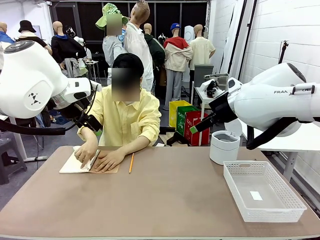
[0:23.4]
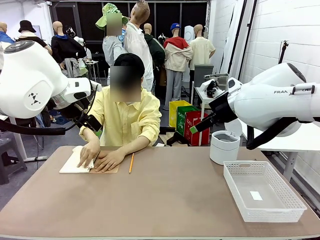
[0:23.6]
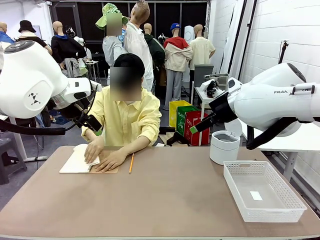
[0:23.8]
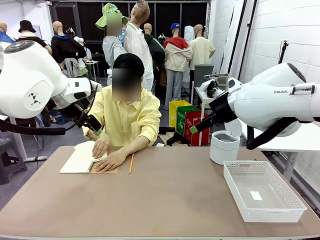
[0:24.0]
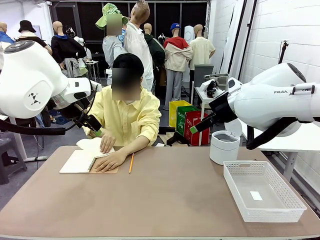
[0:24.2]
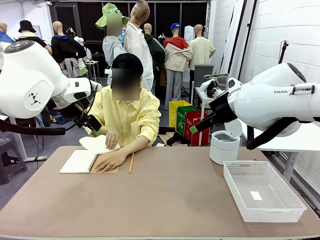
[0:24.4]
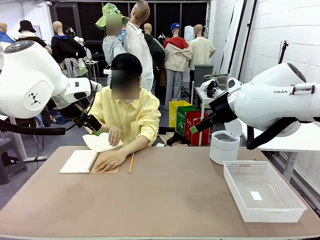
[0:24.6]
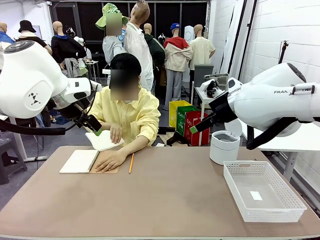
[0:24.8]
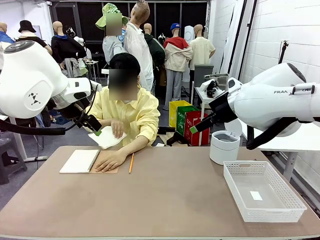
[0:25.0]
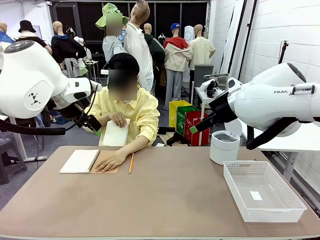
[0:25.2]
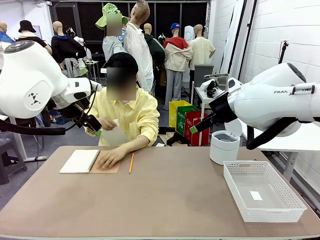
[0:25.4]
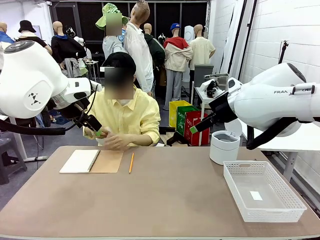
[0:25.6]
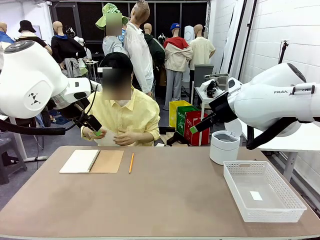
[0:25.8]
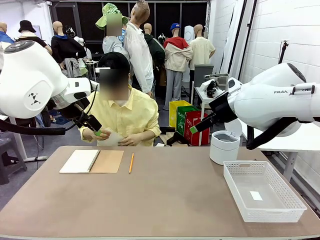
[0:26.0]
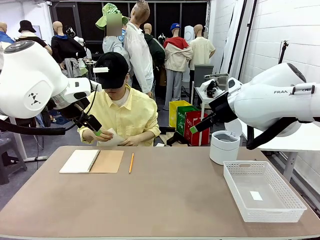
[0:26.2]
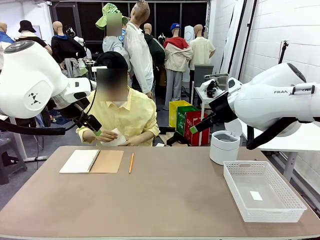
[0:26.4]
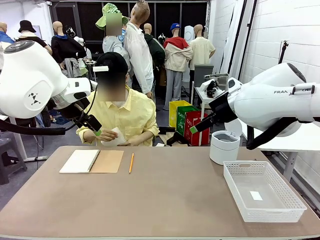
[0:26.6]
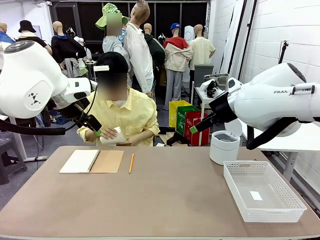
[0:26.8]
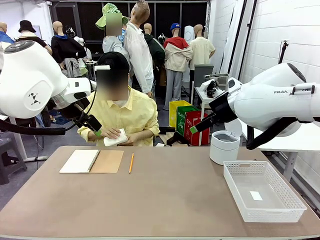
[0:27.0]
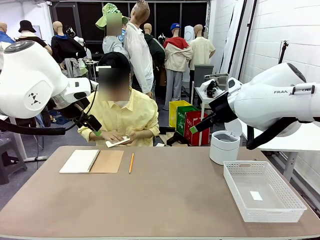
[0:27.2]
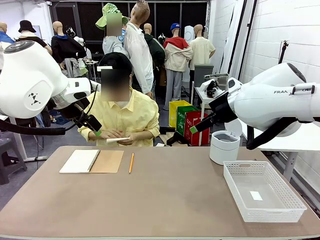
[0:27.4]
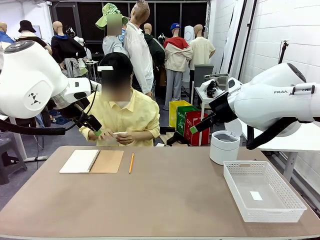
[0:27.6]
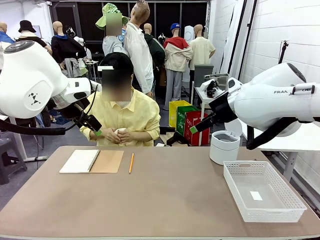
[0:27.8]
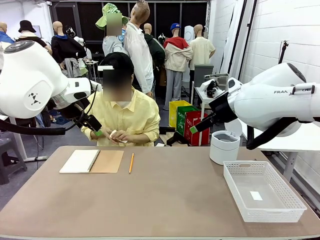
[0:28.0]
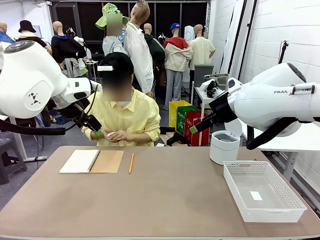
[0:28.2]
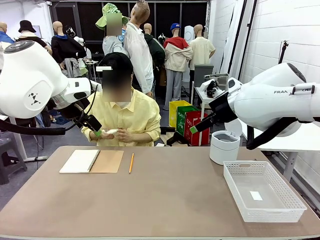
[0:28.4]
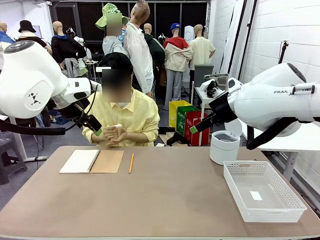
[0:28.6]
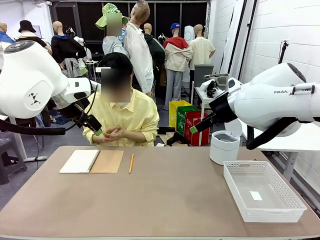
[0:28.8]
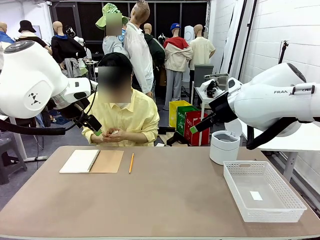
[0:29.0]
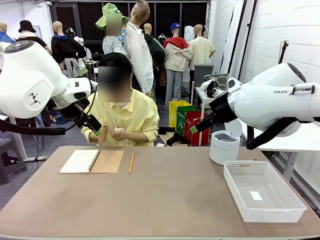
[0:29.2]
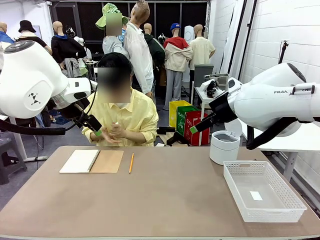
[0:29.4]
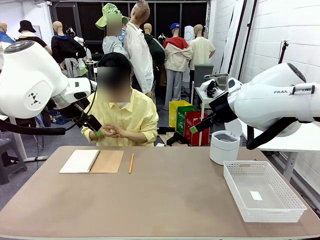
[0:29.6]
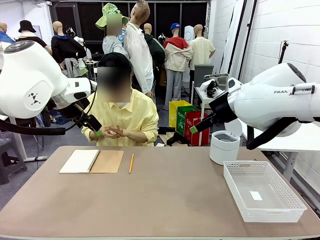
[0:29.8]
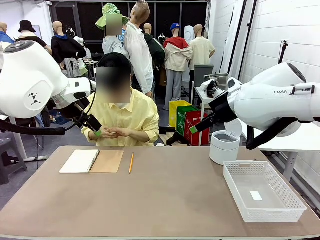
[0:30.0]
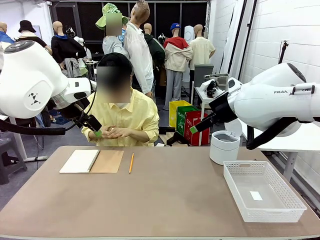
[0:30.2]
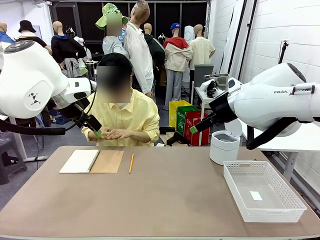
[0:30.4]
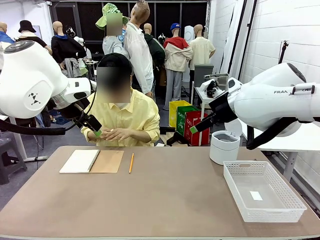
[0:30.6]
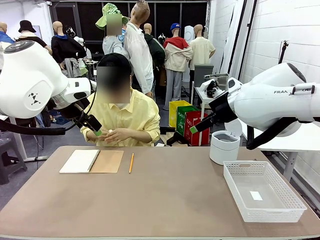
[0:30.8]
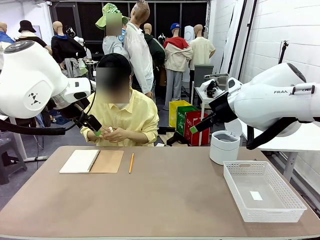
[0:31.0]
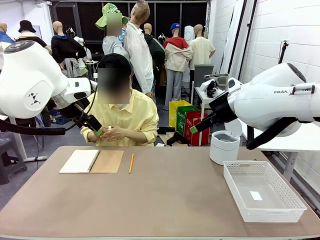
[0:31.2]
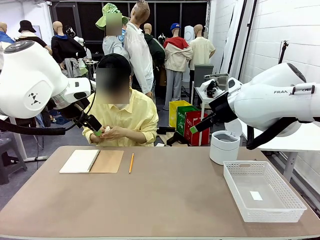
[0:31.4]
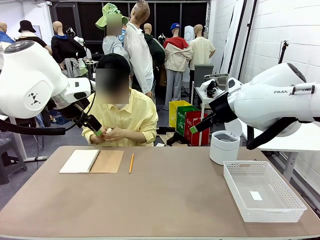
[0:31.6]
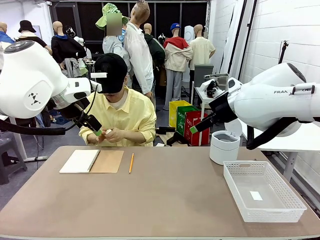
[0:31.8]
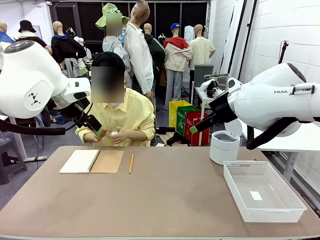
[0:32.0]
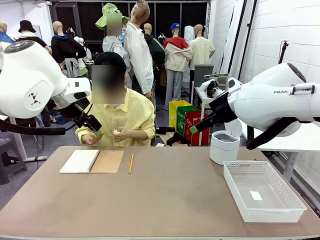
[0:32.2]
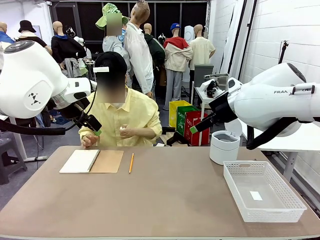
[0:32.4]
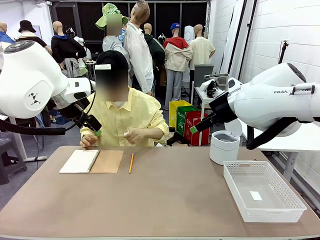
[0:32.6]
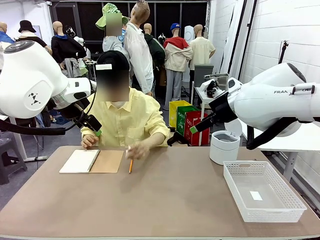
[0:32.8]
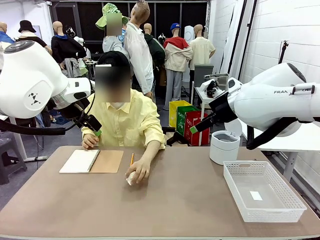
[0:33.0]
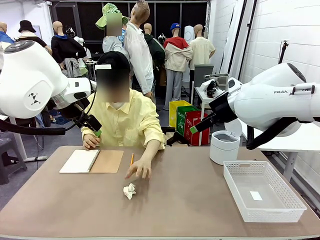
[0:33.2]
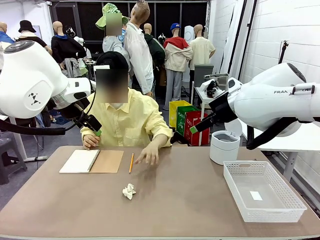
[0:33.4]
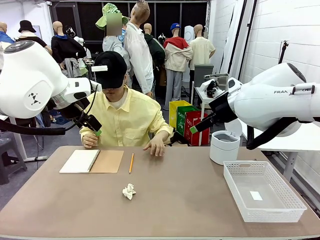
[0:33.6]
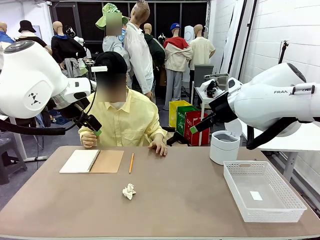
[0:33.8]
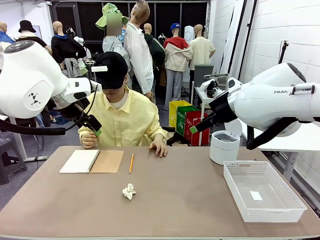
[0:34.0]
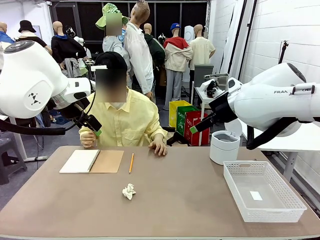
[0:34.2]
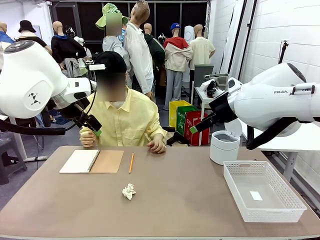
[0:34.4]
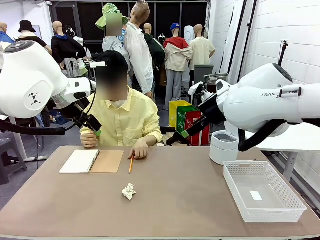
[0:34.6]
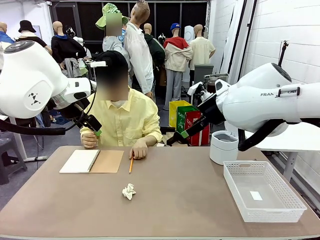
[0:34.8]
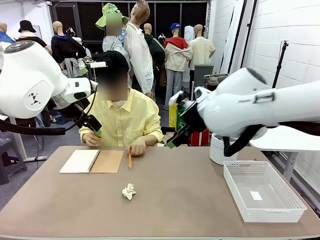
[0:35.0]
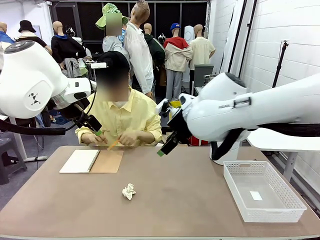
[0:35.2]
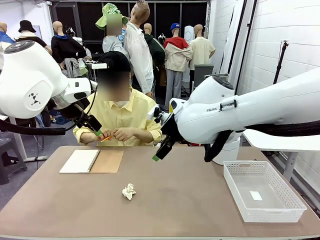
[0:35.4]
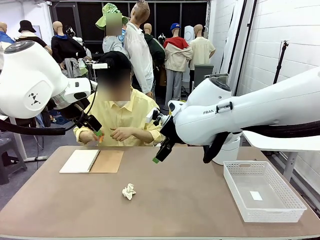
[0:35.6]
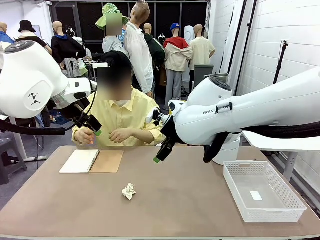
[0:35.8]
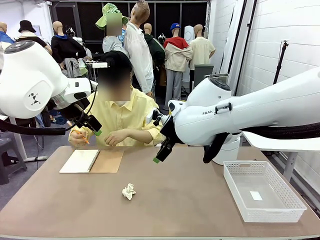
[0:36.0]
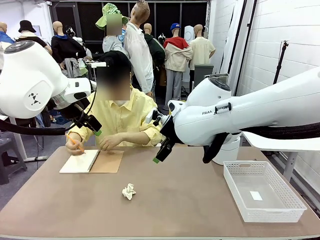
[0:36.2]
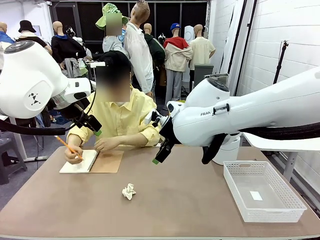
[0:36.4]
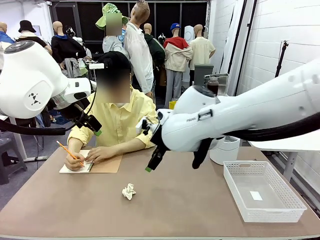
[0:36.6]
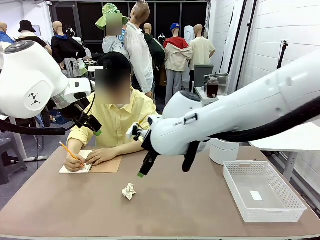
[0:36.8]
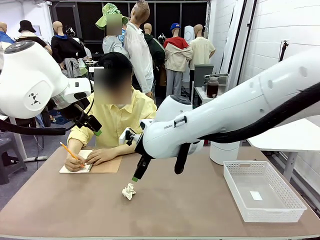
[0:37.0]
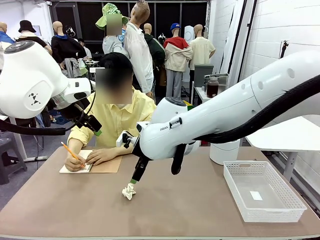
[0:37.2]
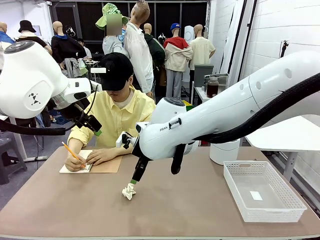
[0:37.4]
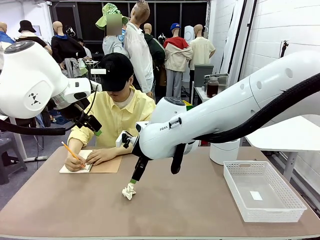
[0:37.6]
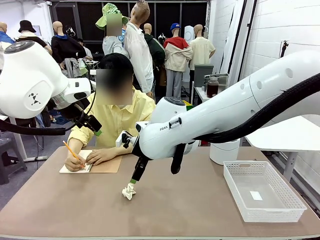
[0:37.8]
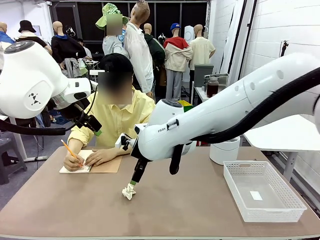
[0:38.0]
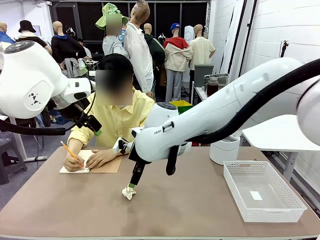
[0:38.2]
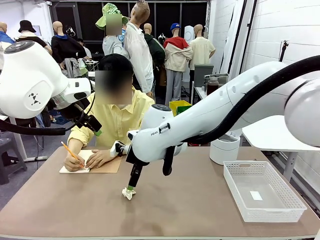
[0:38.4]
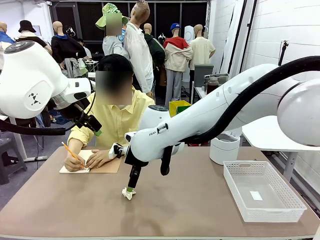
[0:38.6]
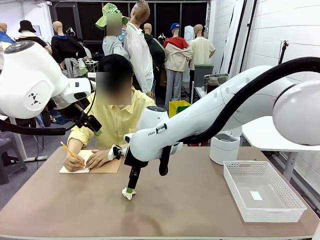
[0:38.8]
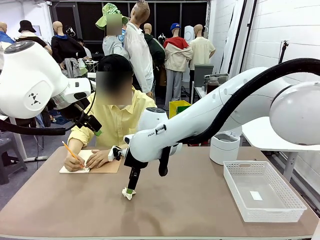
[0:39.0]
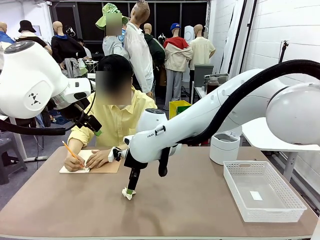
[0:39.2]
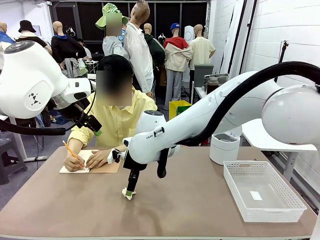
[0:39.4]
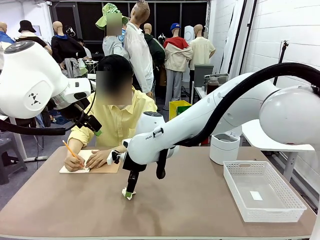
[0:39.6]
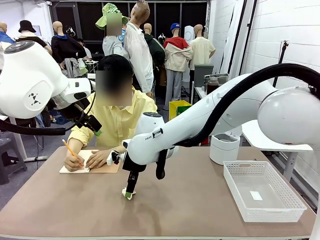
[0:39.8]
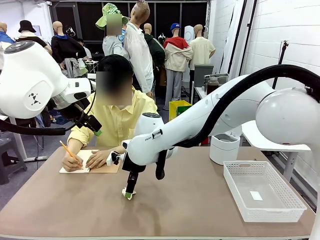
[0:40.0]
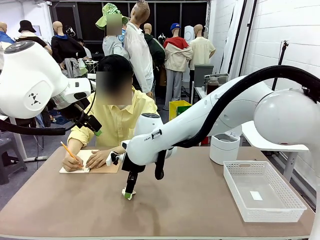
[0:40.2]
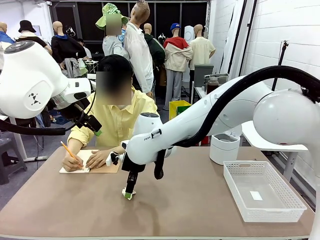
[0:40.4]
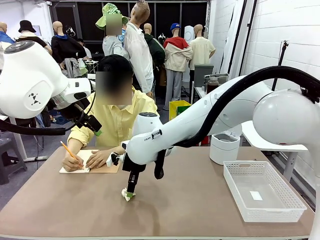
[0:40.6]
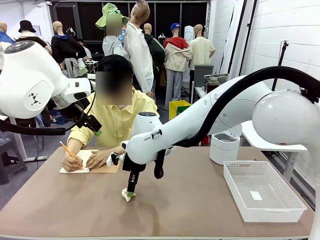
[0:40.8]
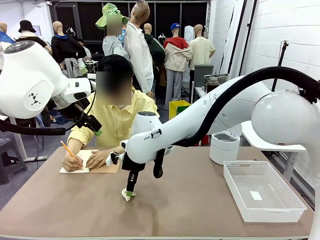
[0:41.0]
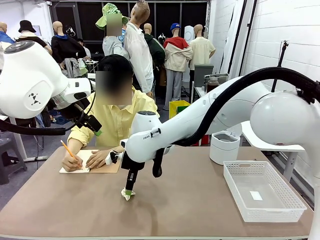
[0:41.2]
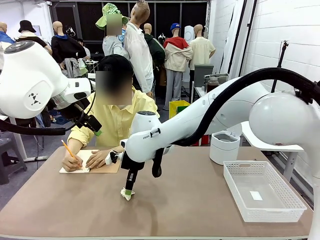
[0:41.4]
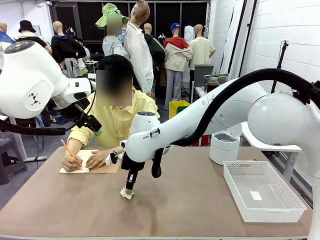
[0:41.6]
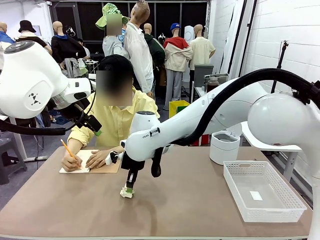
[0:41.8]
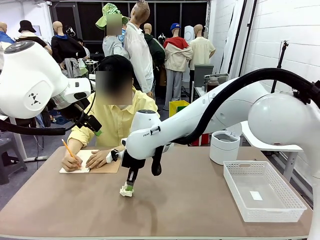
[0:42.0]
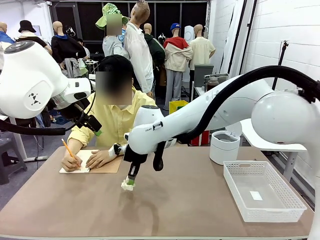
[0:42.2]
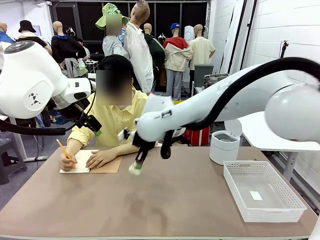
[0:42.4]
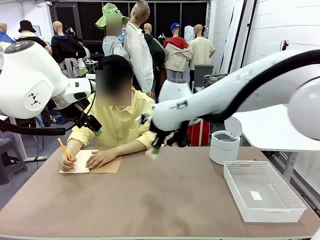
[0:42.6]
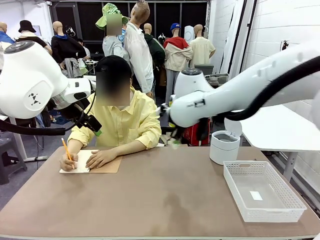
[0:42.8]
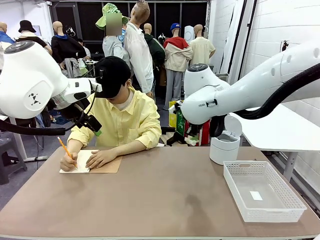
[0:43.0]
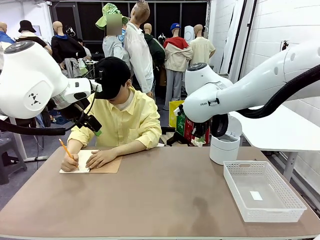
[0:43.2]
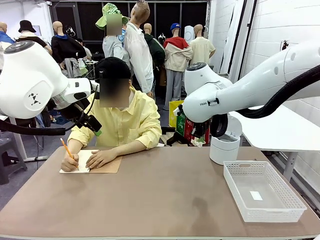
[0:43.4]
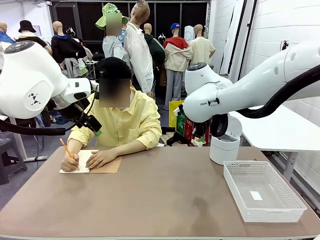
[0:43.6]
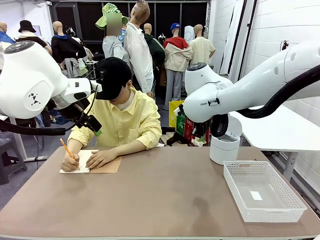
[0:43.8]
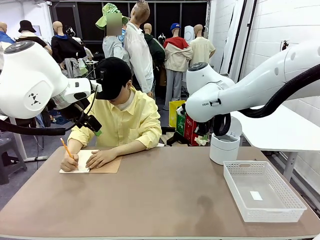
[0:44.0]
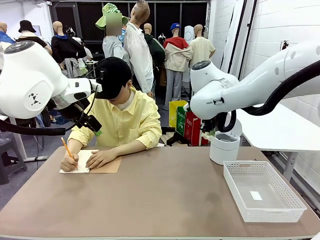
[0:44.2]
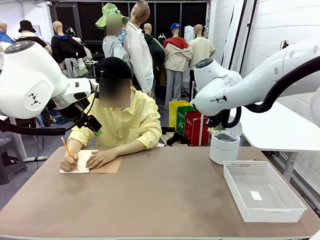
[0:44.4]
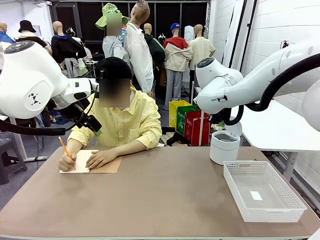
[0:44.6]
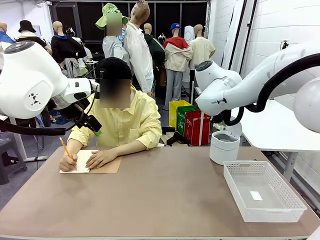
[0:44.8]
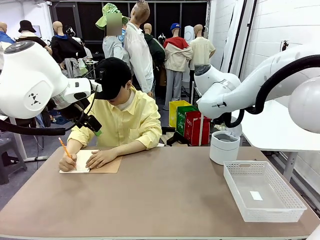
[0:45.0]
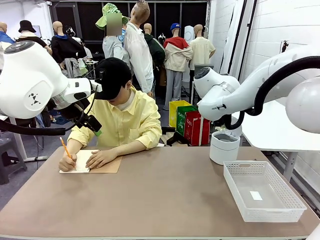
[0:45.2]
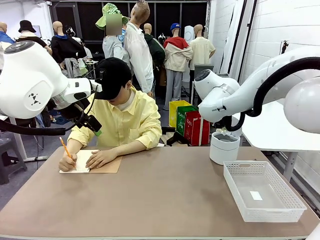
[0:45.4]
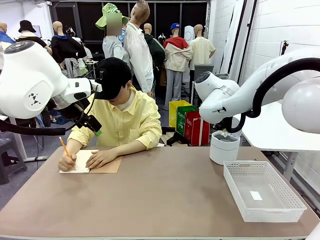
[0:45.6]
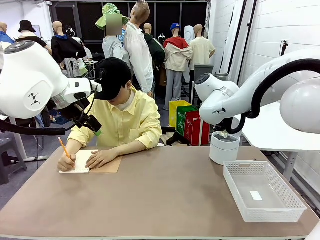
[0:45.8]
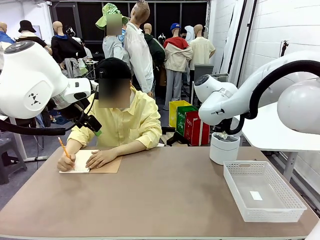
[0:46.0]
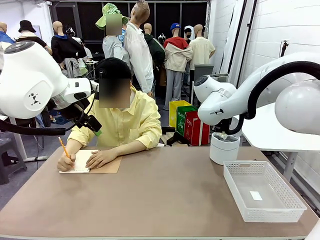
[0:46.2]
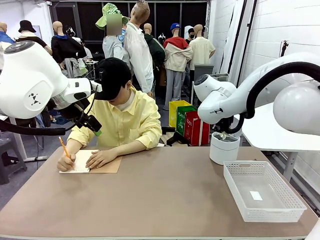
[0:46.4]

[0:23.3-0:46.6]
Task: Sort the paper based on its condition.
Robot: If a person hands you a paper, place it in the Organizing basket , and if it's crumpled, put it in the Trash can.
Person: Hand the torn page to the robot or crumple it and throw it to the center of the table.
